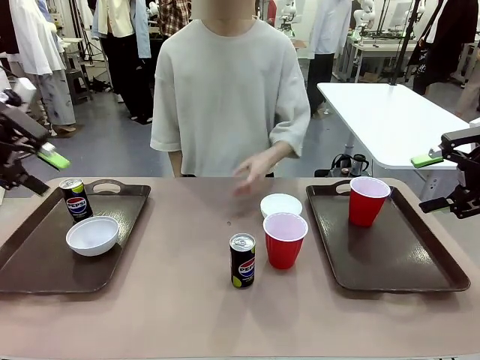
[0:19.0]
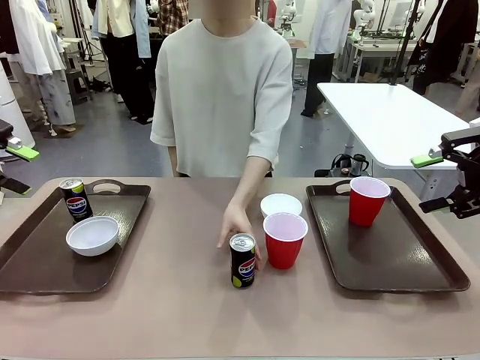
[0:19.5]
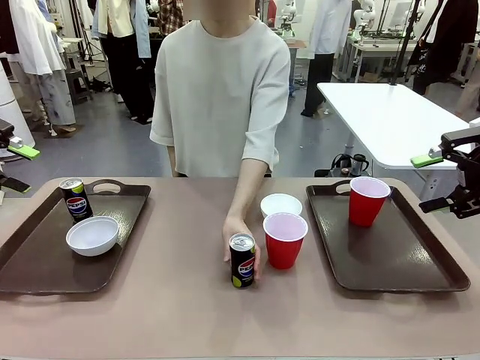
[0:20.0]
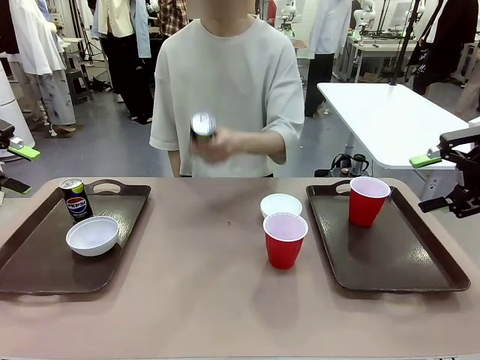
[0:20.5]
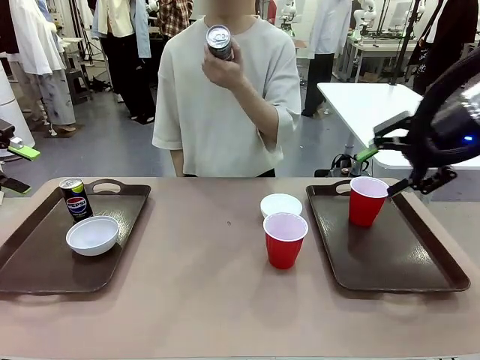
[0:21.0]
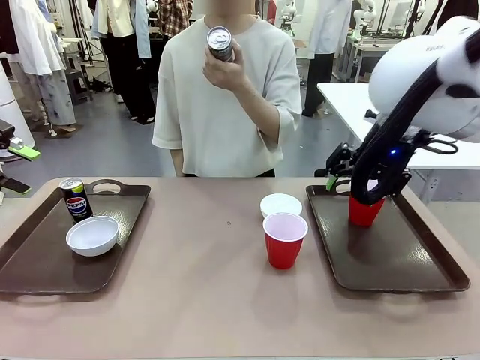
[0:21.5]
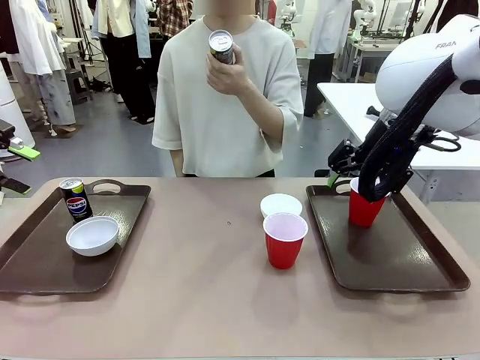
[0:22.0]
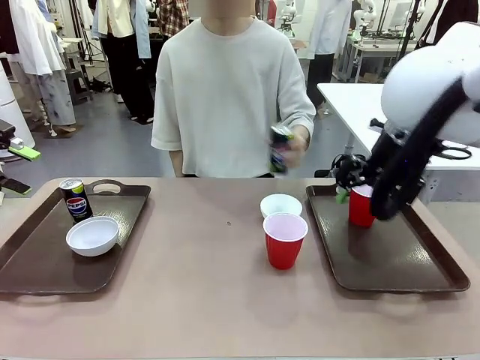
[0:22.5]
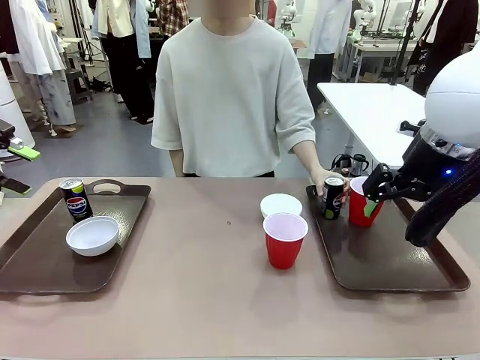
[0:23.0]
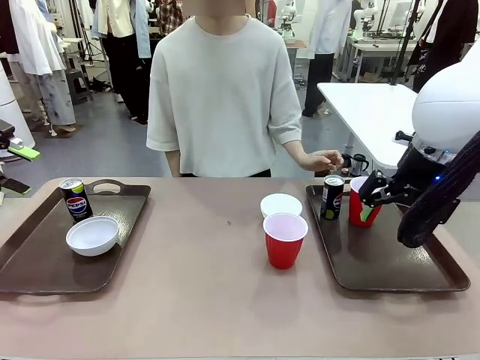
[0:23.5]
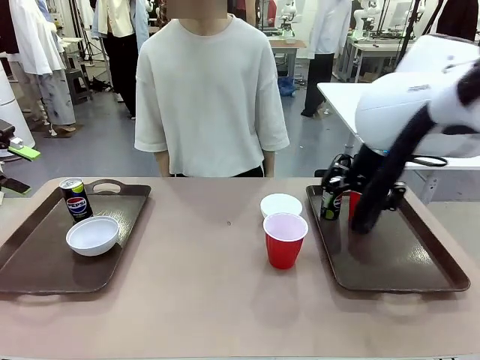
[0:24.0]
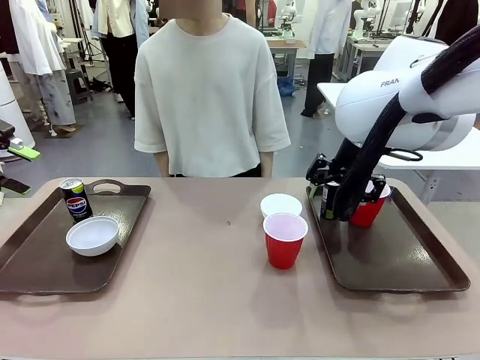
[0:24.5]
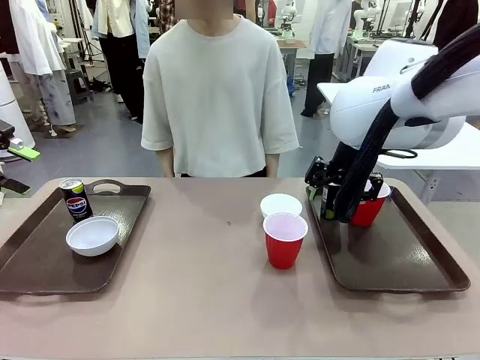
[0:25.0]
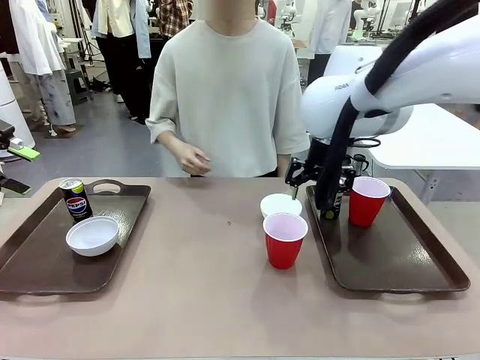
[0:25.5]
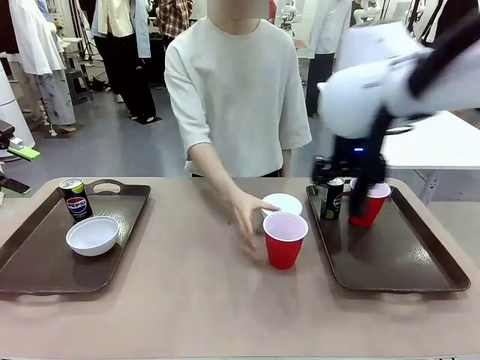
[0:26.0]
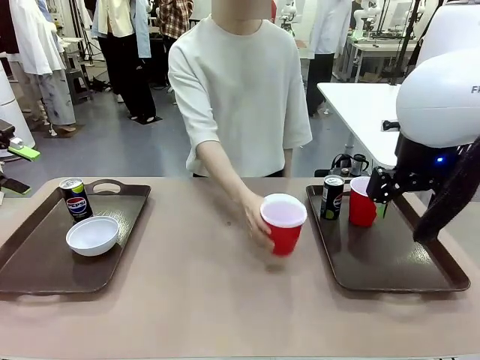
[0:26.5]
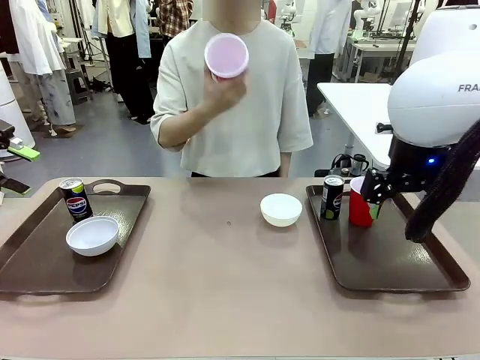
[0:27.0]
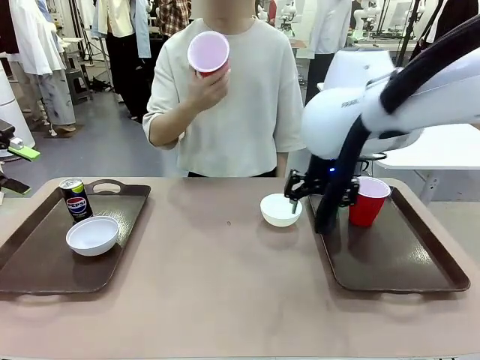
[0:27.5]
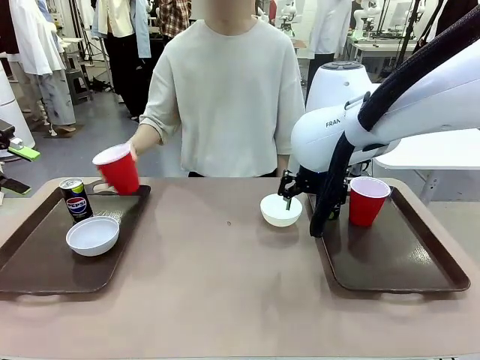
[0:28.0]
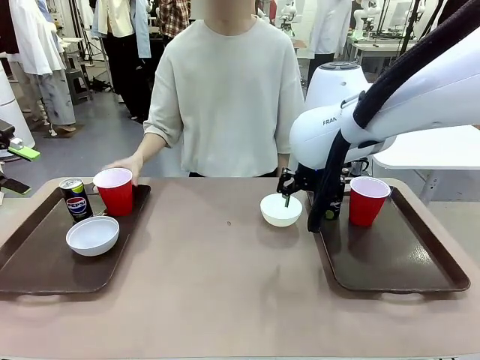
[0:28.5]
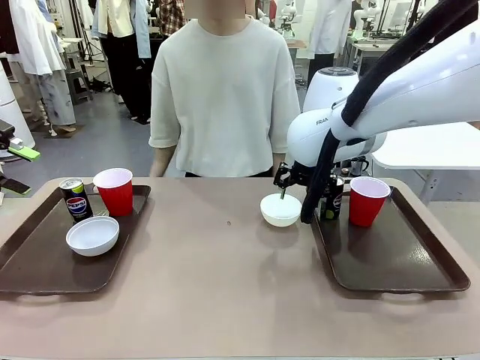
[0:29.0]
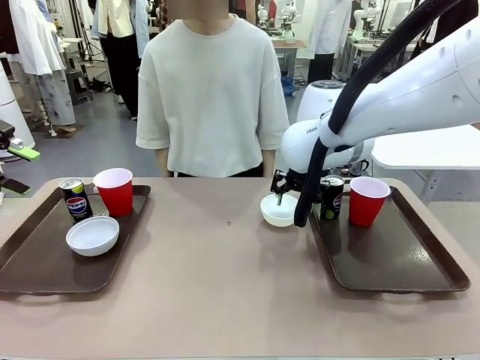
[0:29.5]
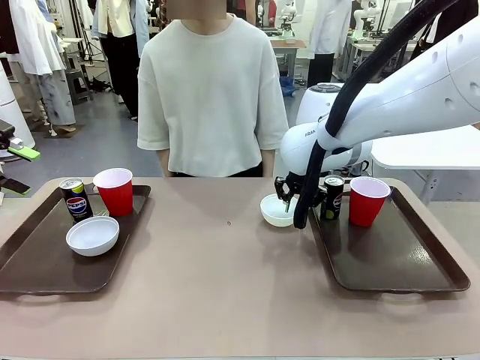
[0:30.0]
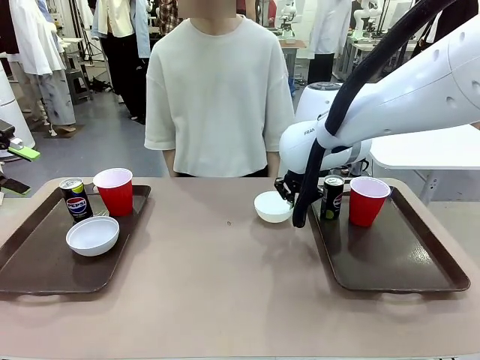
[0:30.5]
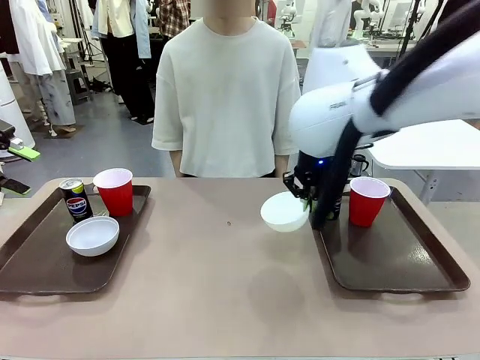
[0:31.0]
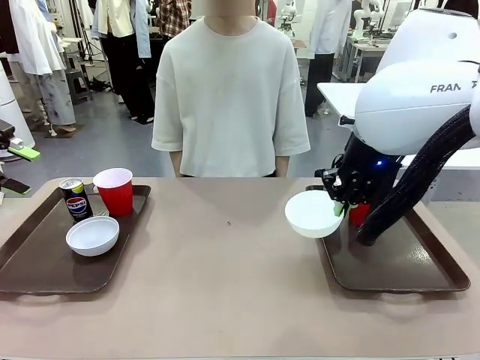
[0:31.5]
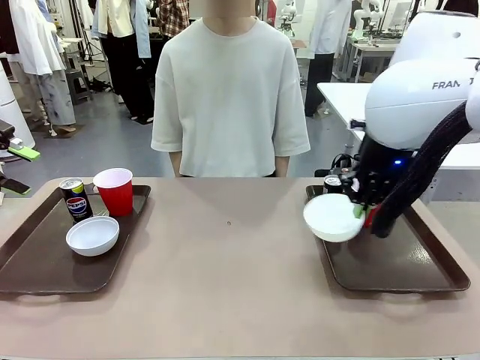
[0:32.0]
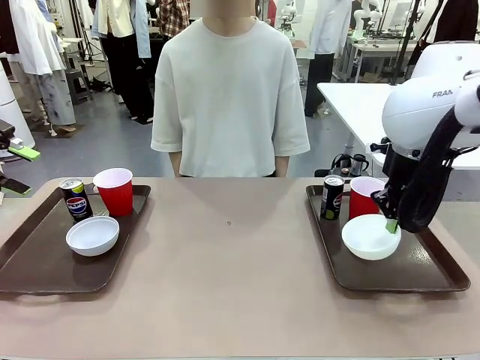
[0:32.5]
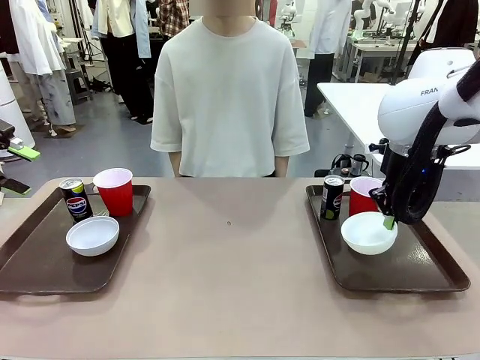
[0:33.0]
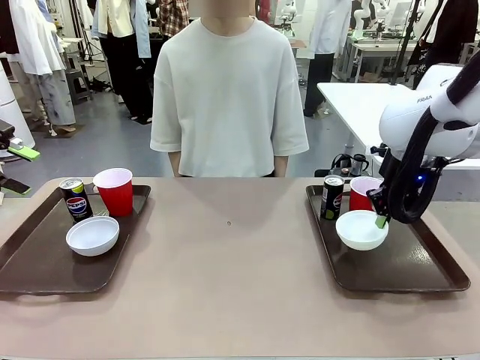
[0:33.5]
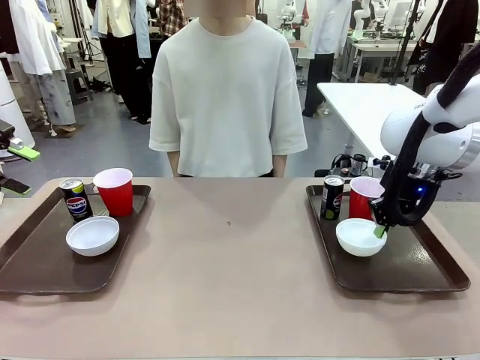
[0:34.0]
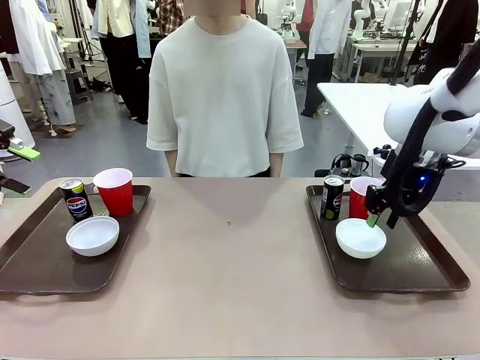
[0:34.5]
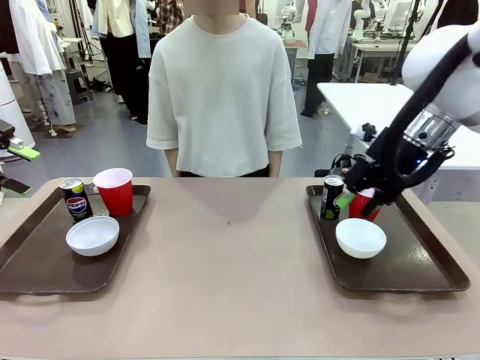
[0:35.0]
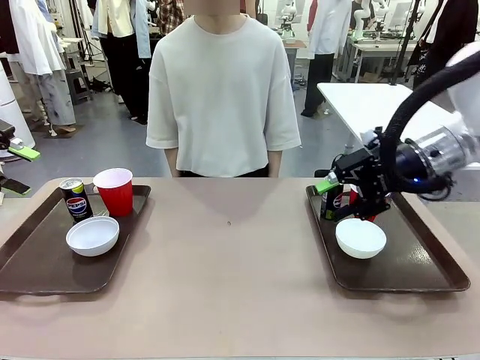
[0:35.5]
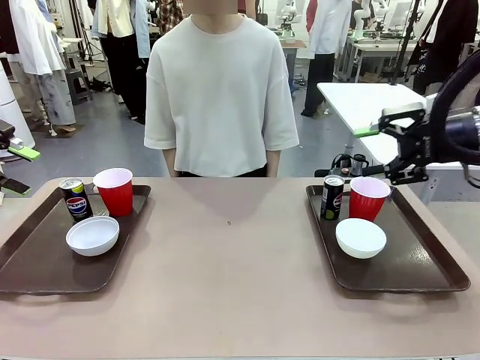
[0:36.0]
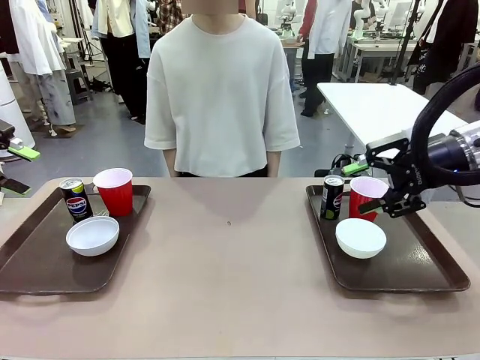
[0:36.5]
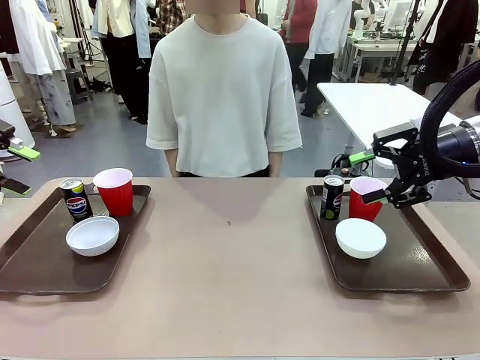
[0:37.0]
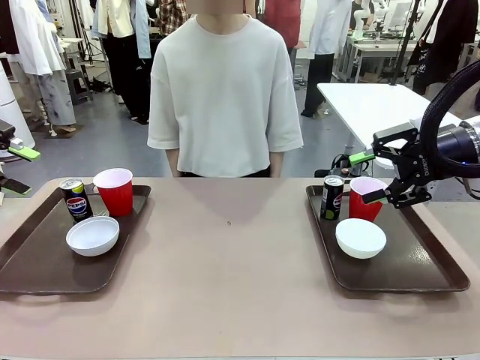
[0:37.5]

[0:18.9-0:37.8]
Task: Prepare tableware on both trays.
Robot: Pick up a Picnic Bowl from the table and place it on a Handle tray.
Person: Pick up a can or cup and place it on the tray without a can or cup.

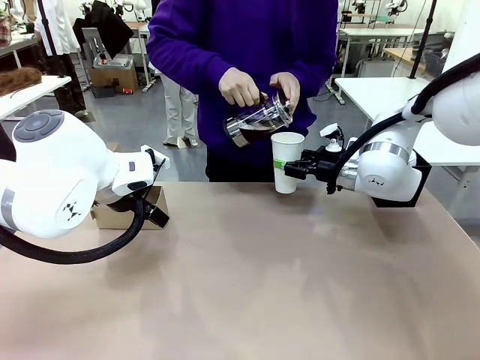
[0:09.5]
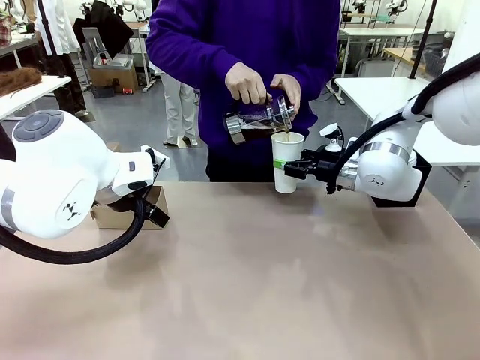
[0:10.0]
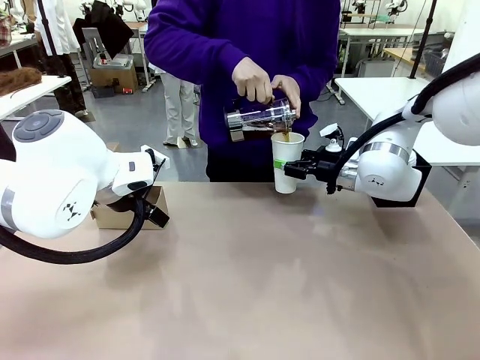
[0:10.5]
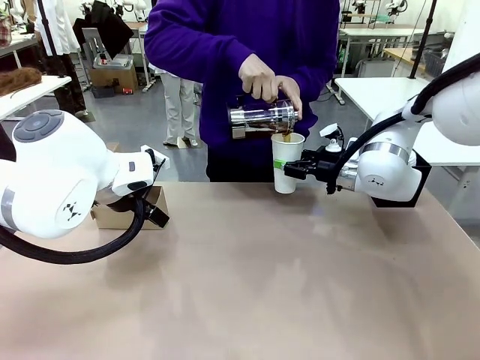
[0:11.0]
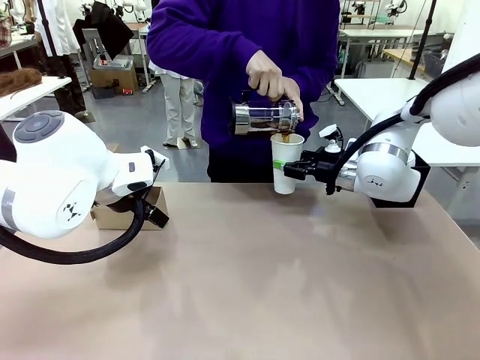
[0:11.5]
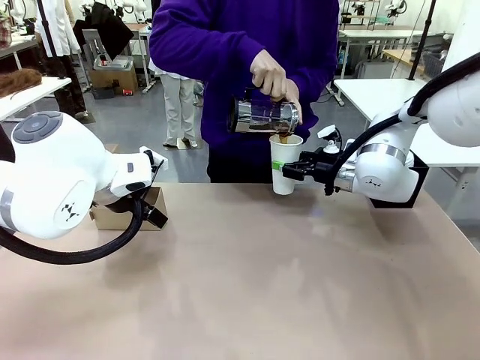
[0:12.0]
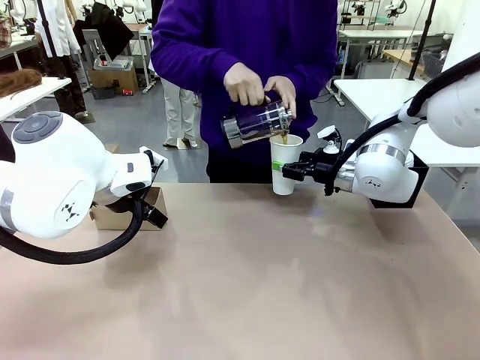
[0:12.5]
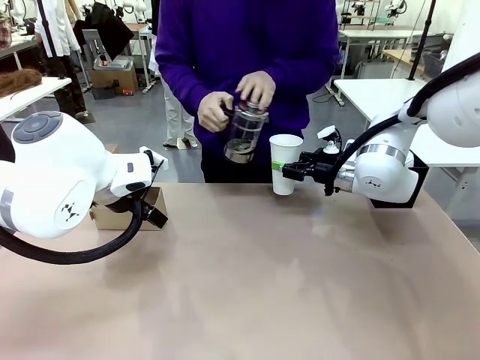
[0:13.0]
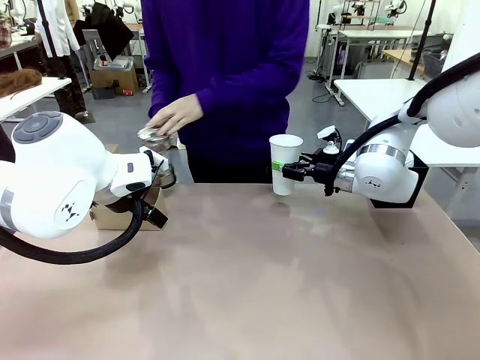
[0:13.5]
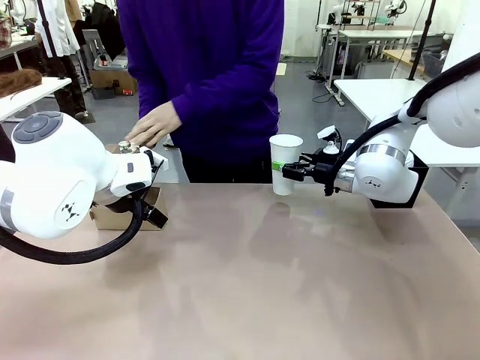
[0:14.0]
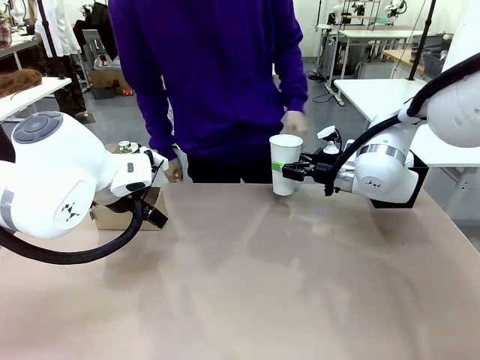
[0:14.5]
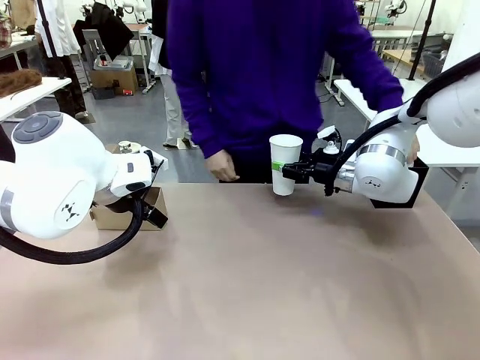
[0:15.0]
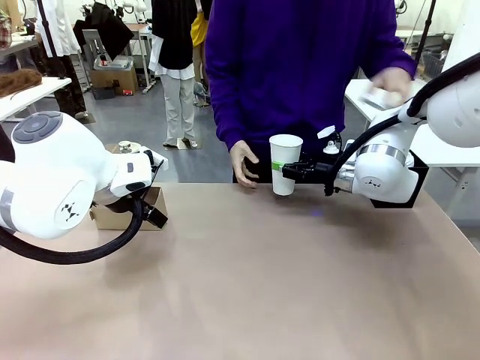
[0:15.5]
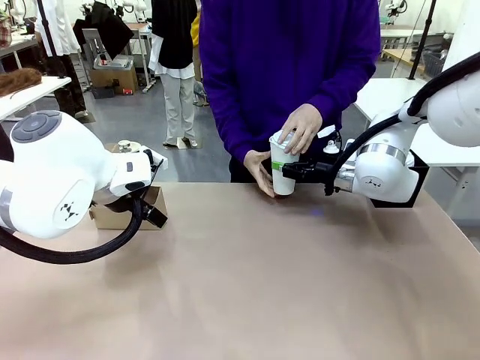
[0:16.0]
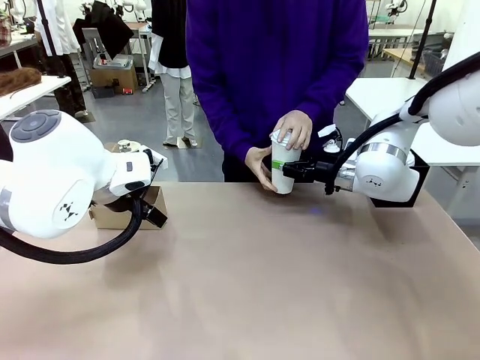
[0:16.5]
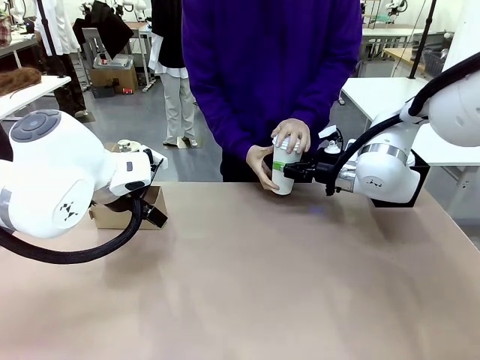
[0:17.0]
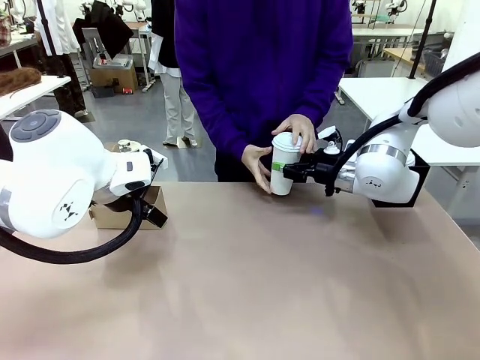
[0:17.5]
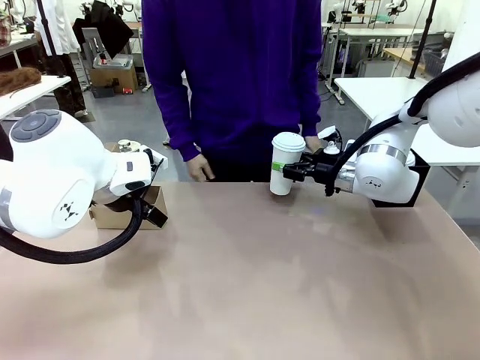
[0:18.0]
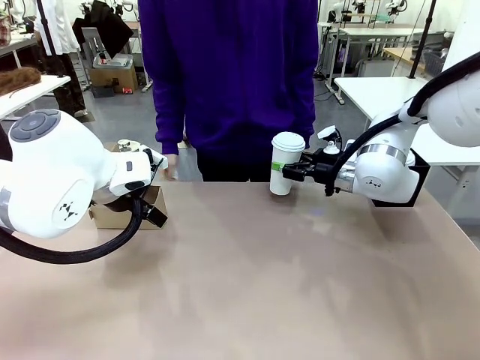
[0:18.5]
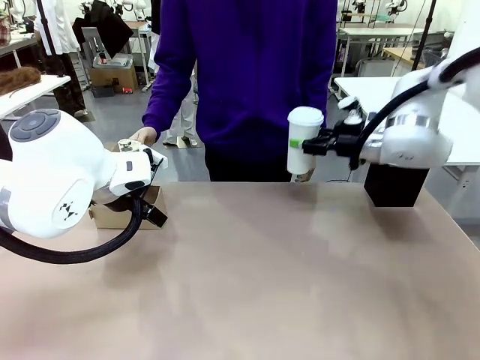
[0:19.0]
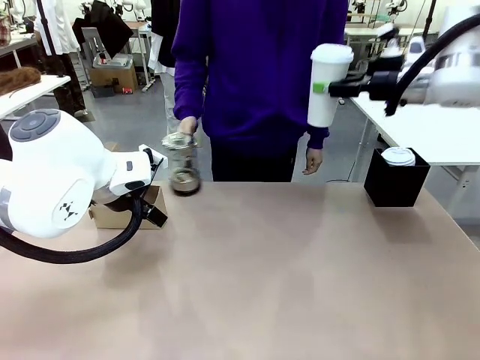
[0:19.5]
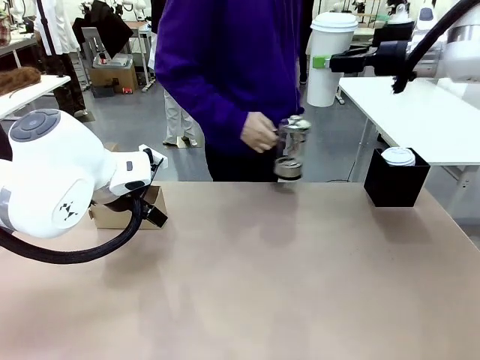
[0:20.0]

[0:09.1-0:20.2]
Task: Pour a drink into a cup and package it in a carrier.
Robot: When a person places the Paper Cup Lid on the 600 ml Paper Cup , lift the 600 ml Paper Cup.
Person: Pour the drink from the Filter Brewing into the 600 ml Paper Cup. Place a Paper Cup Lid on the 600 ml Paper Cup.
